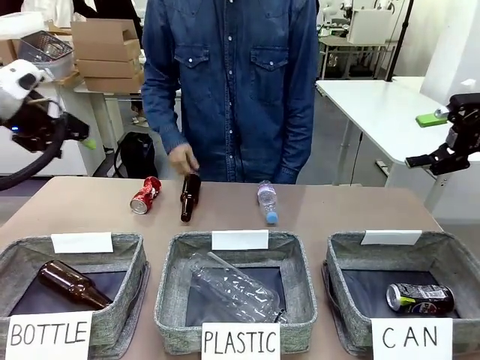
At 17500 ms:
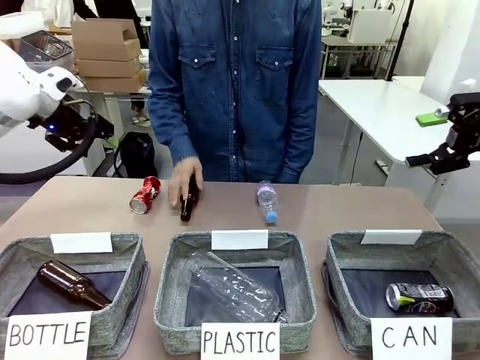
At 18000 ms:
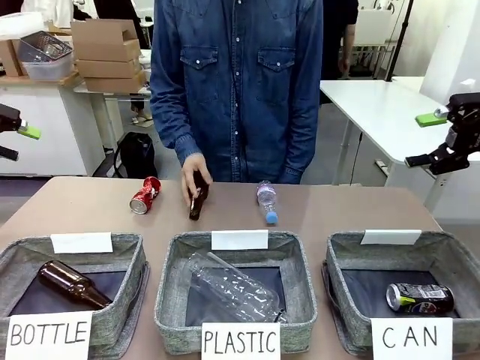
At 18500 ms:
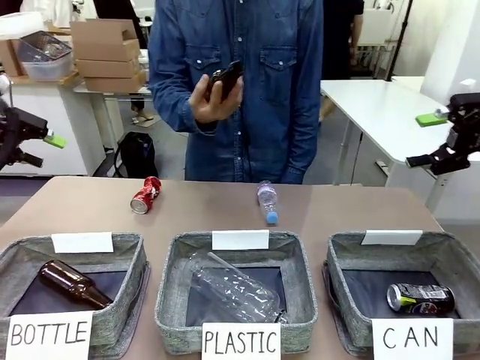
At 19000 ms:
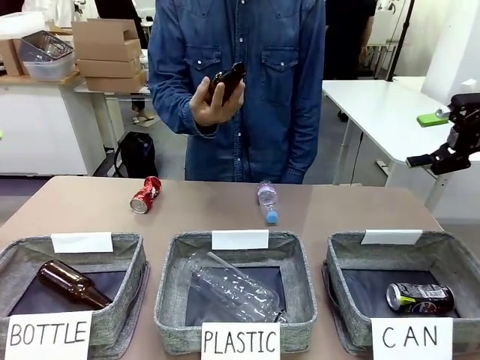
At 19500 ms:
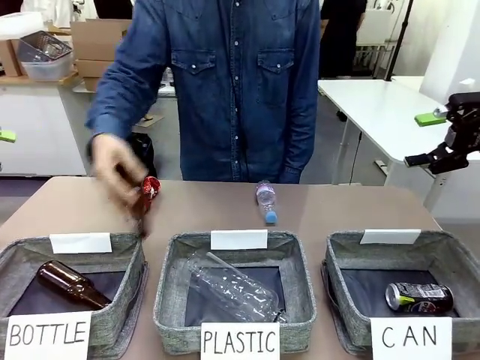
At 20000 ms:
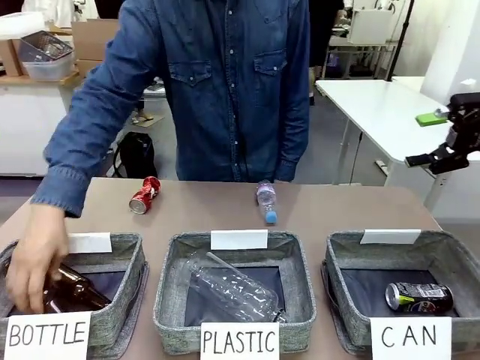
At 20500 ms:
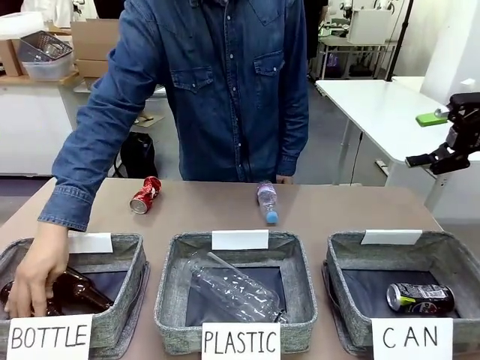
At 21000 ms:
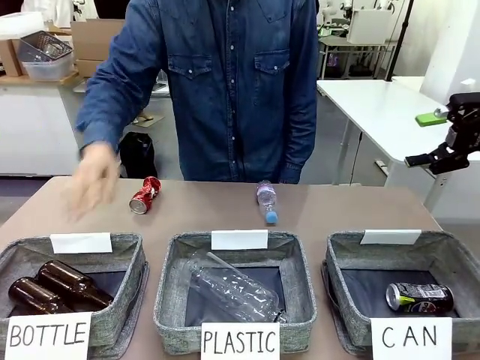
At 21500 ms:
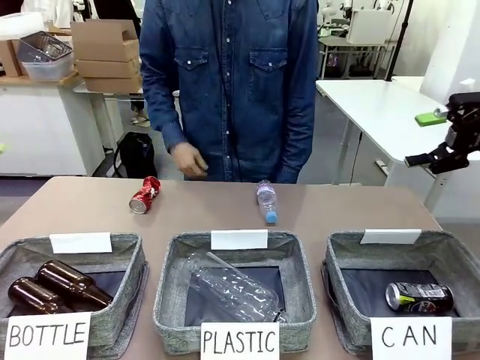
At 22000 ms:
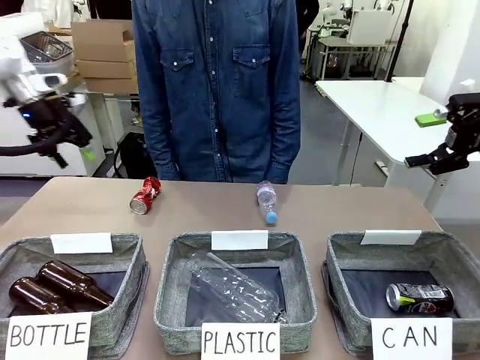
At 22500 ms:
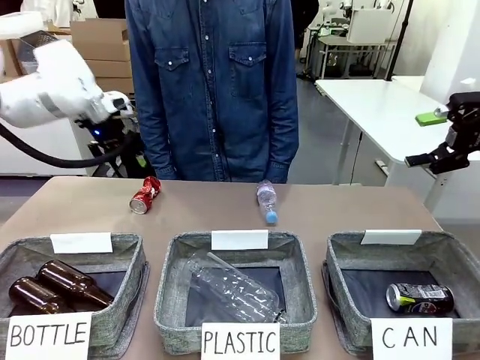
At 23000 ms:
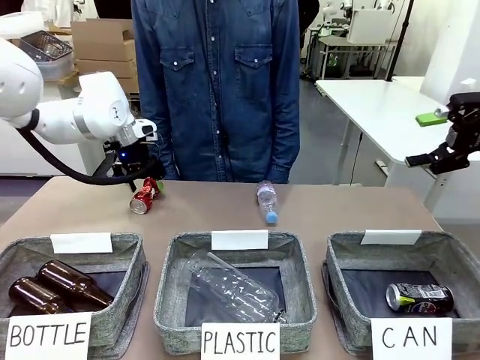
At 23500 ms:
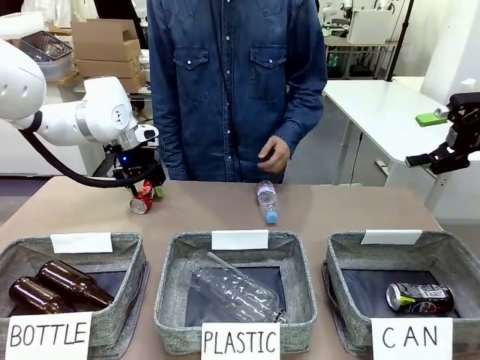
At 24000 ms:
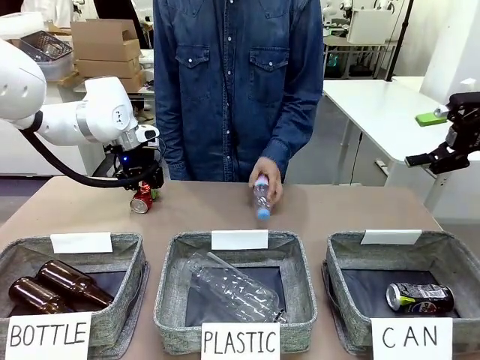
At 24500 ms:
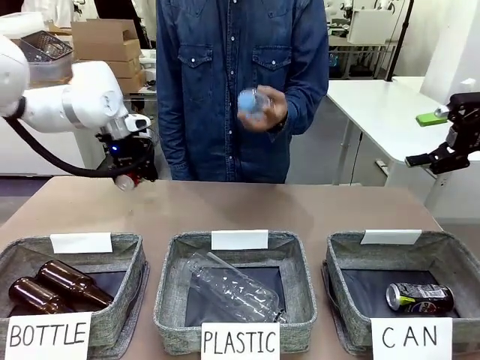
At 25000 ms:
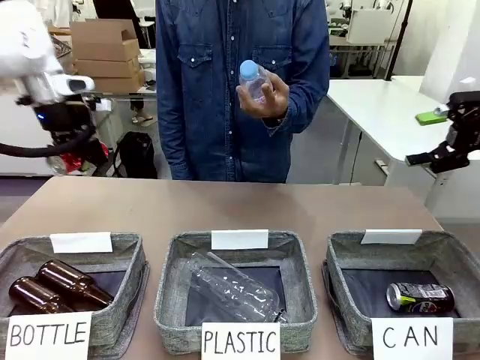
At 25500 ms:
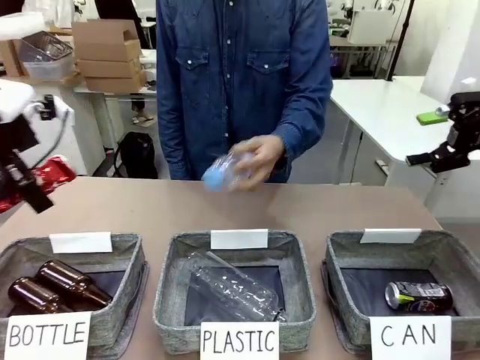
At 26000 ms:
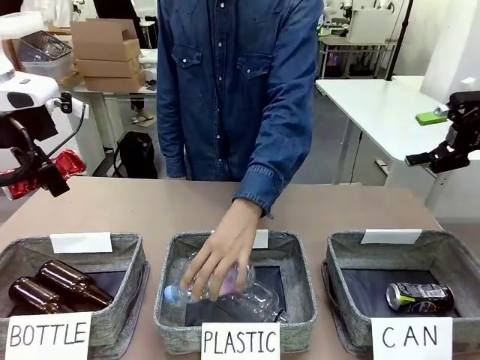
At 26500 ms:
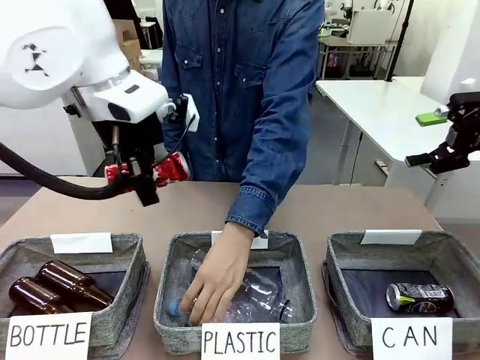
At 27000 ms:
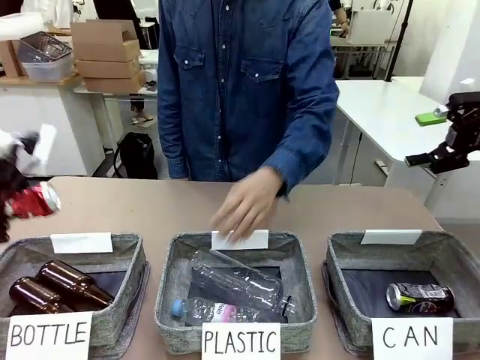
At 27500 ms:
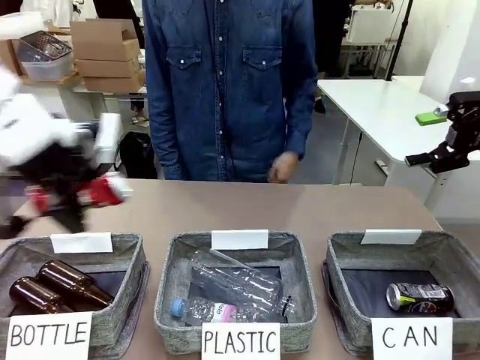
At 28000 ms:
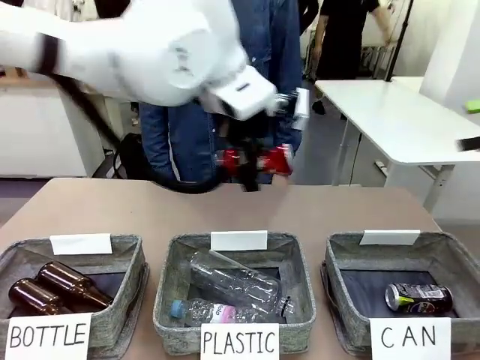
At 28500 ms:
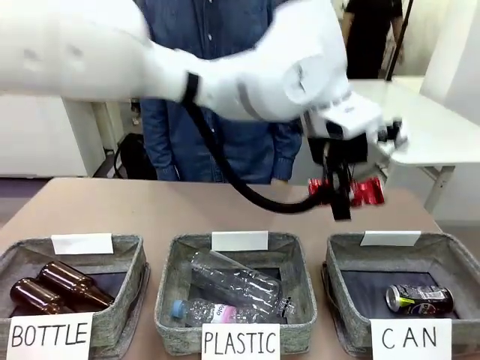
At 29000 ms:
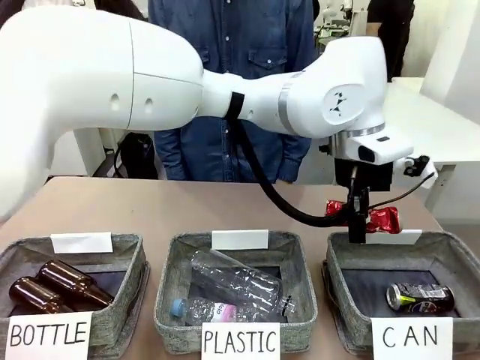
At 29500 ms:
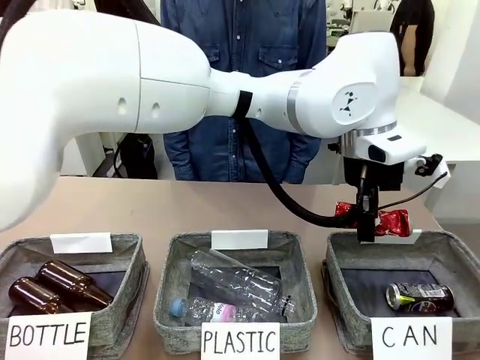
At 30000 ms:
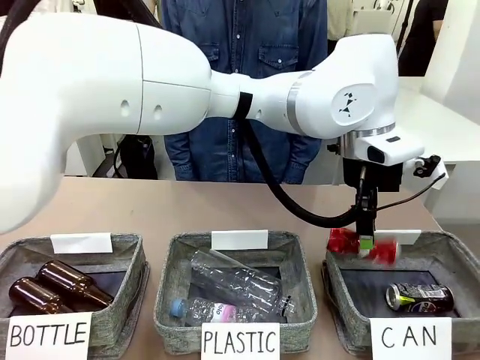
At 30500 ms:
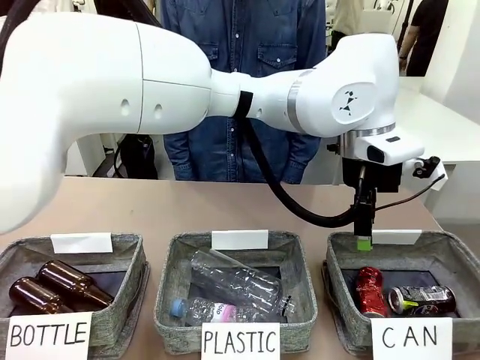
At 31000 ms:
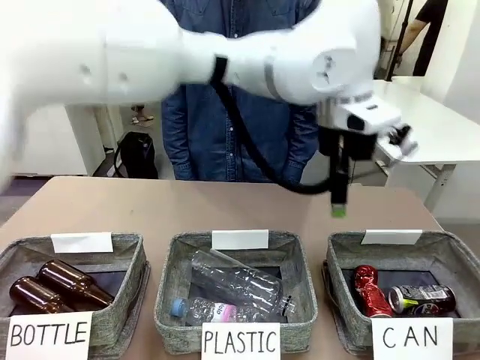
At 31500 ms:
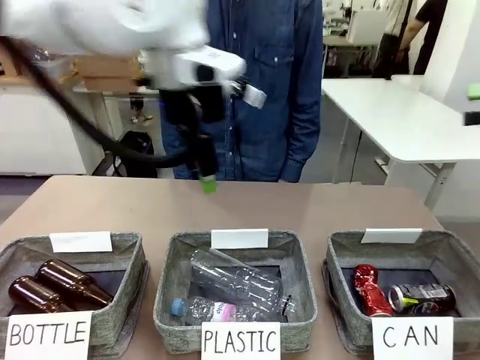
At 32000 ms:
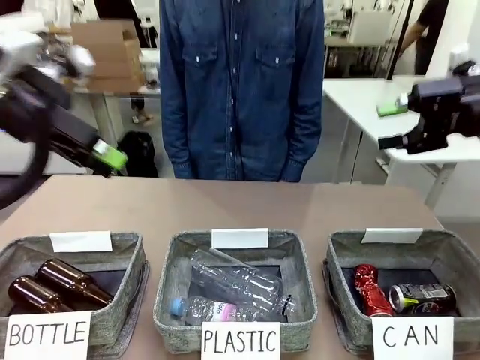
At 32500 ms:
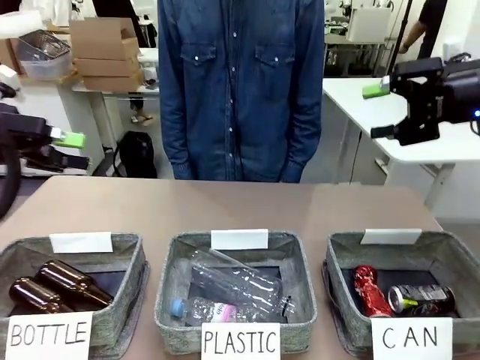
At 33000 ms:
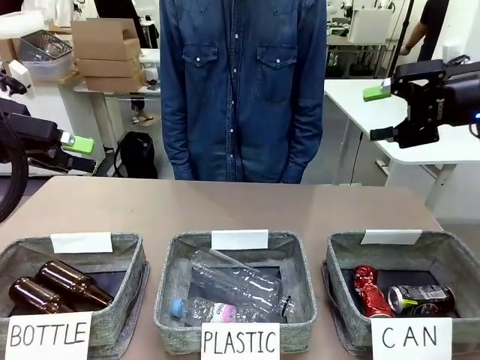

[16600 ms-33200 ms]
Task: Sort the can waste into the basket.
Robot: Pick up the can waste from the table and place it in the right Fabric basket.
